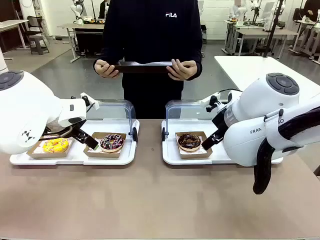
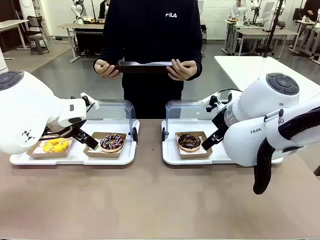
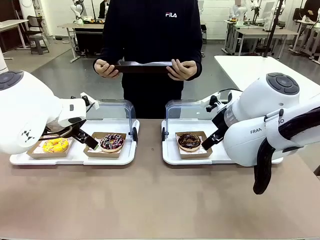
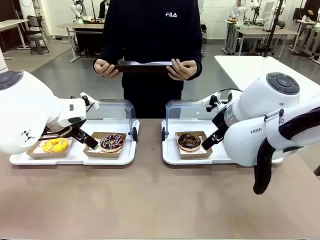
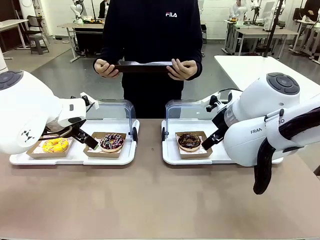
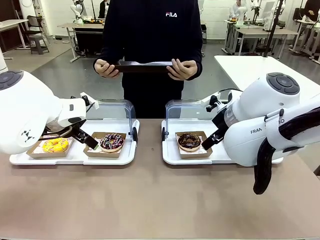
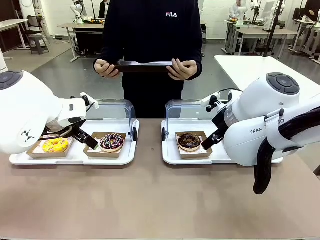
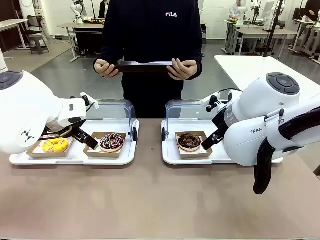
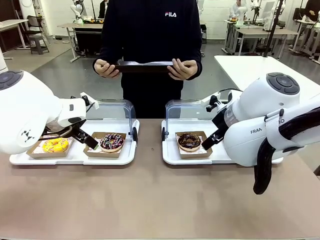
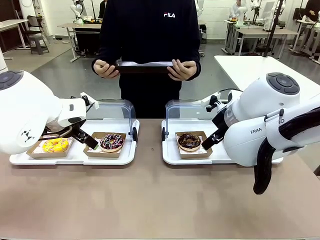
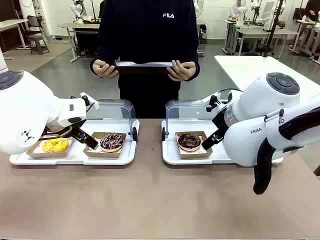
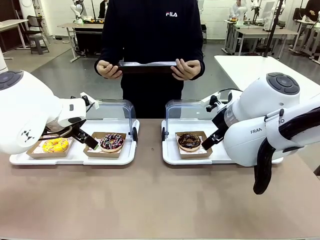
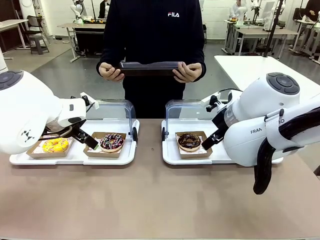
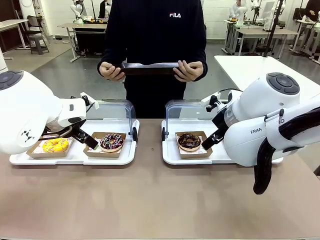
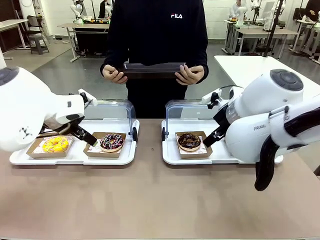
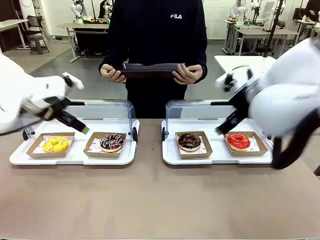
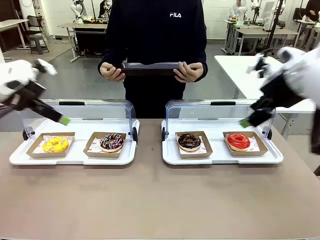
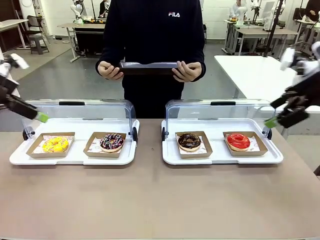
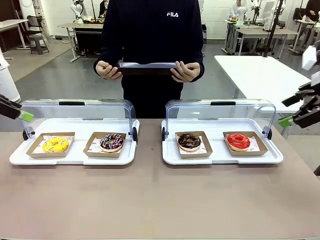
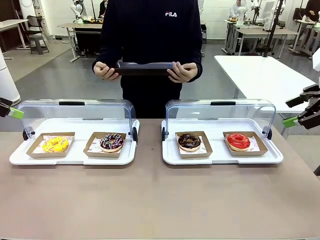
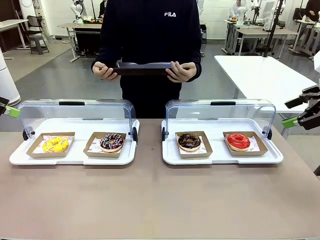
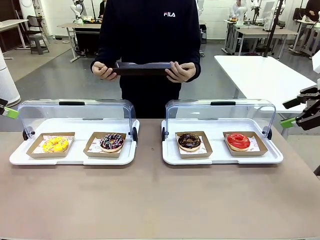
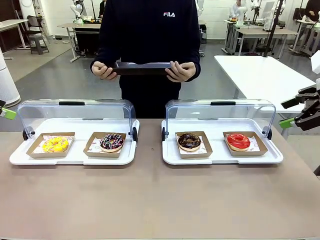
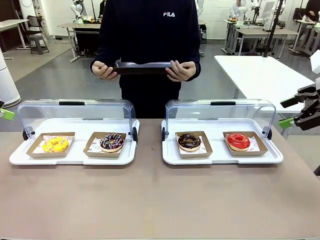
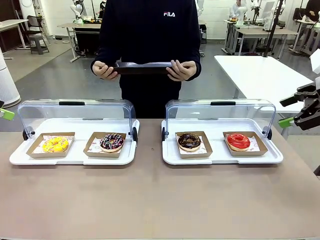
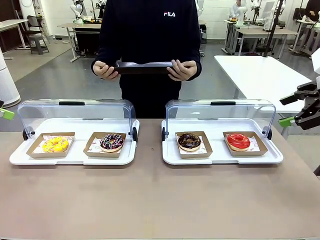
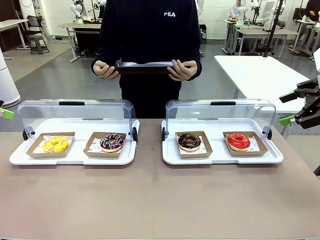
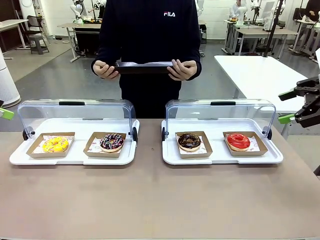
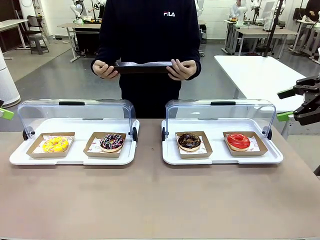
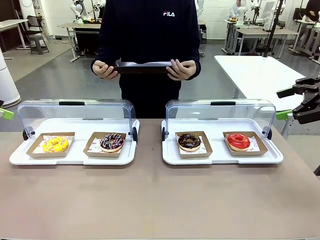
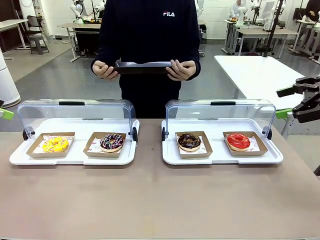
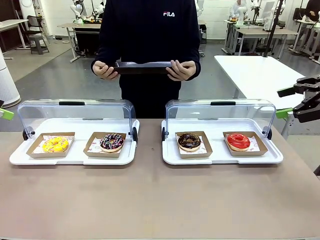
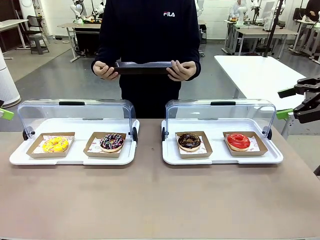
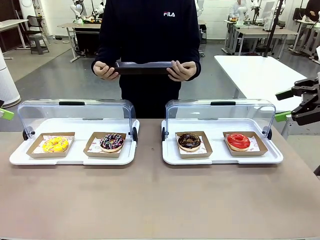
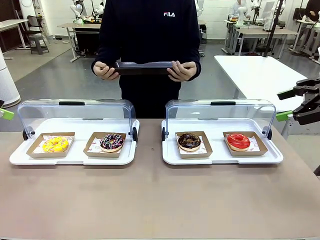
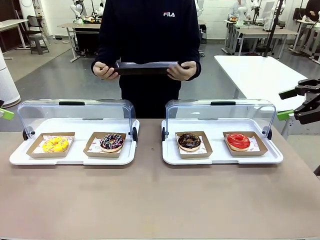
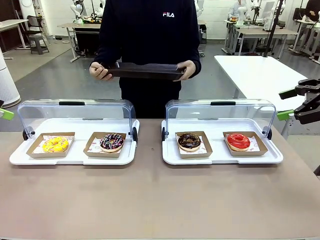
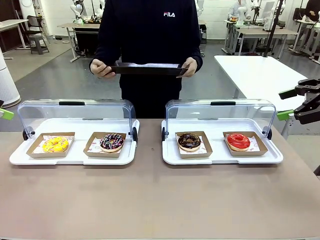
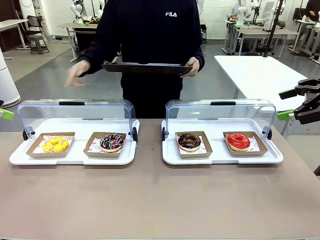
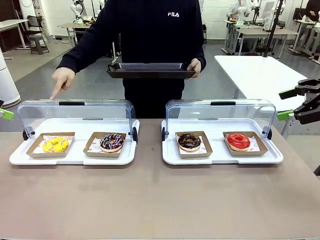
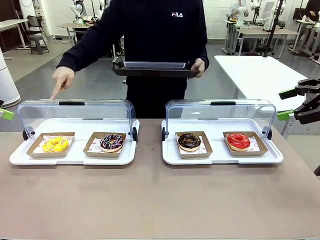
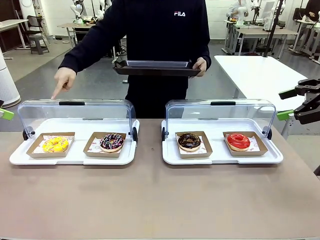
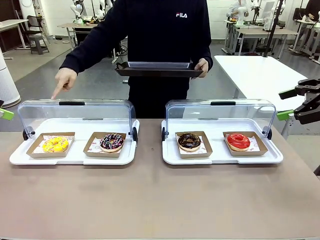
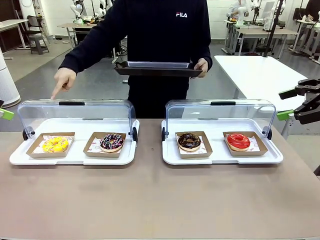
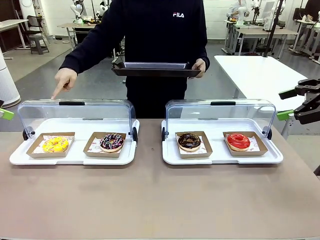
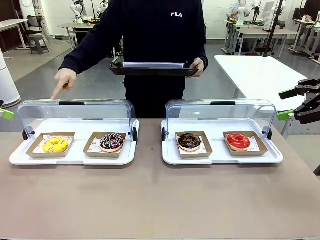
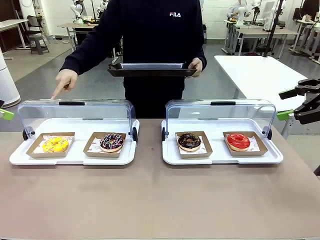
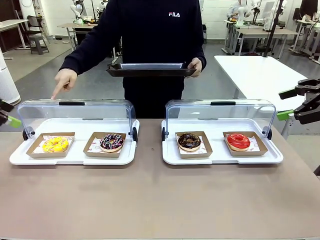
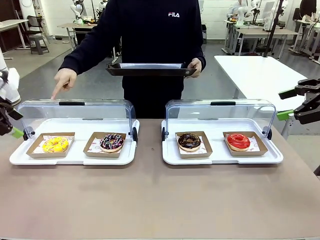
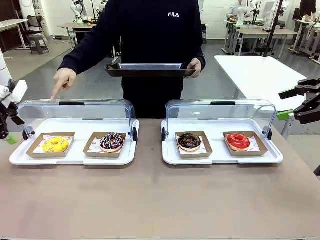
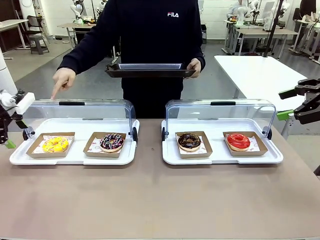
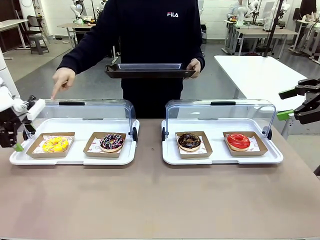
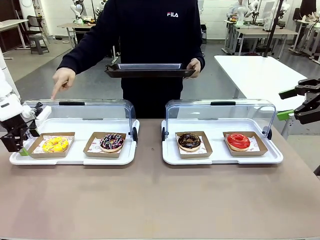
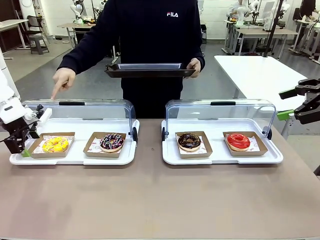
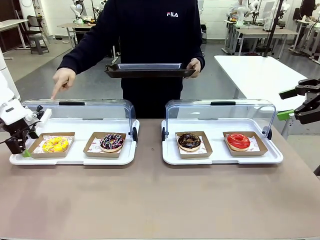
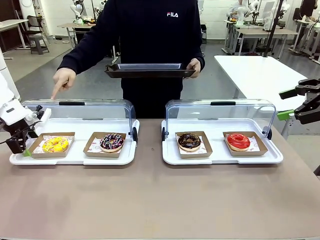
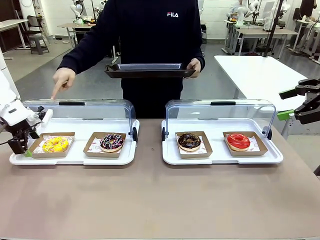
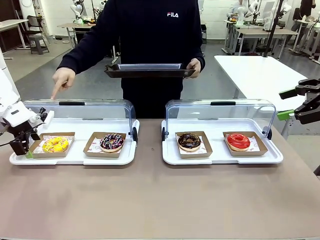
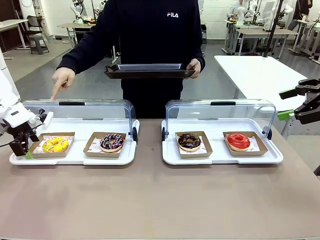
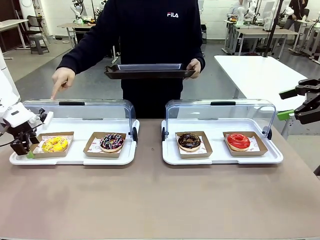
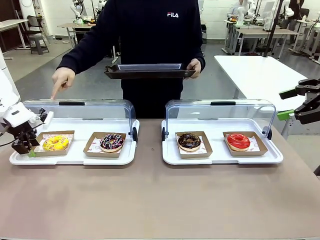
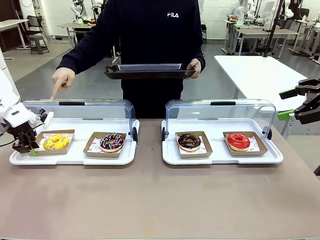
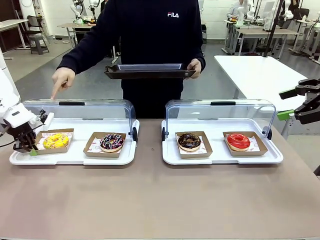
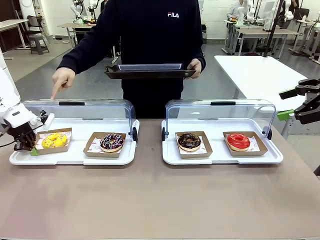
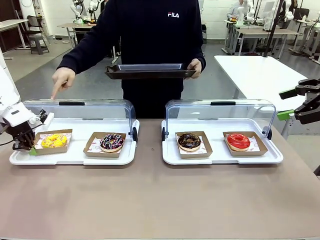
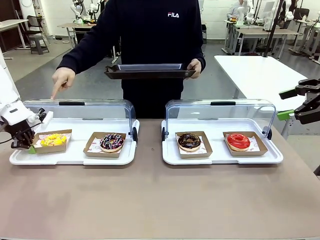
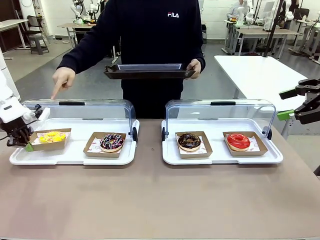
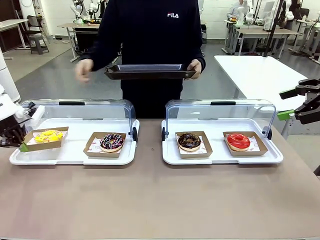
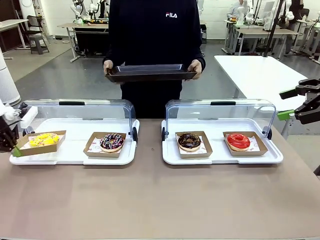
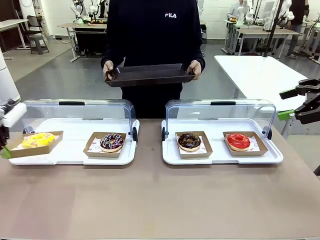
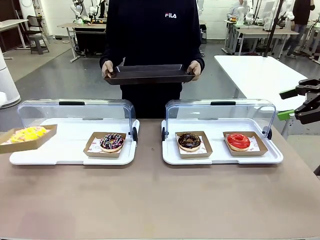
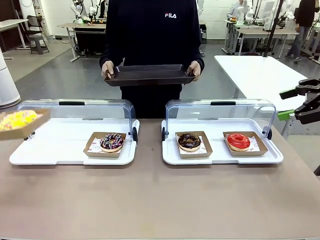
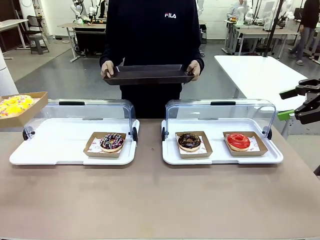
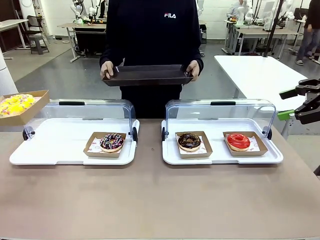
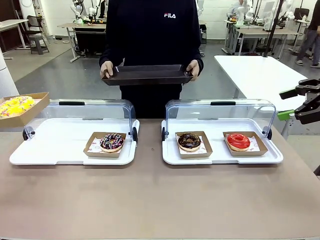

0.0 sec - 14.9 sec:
Task: Provide the desired donut to the person.
Robot: Pick up and lift the Paper togo box containing the Donut pointed at by the person.
Person: Point to one donut. Lift the tray onto the Roll-Top Bakery Case.

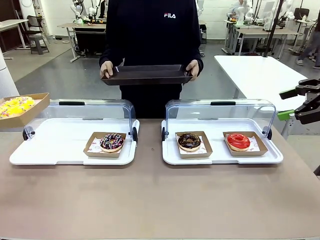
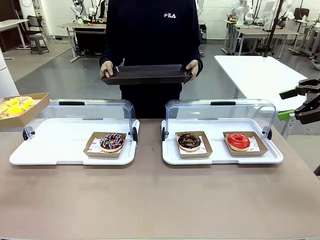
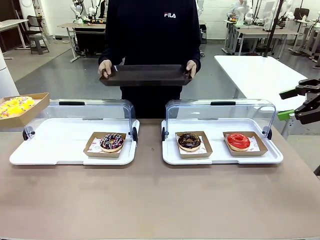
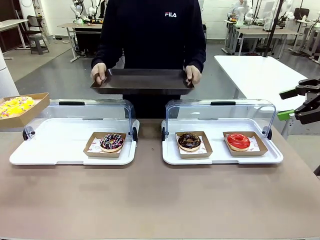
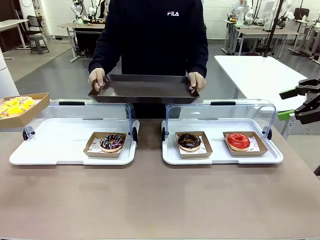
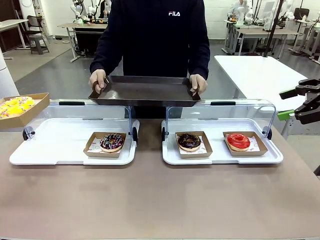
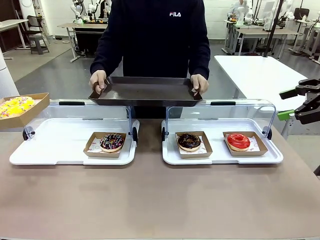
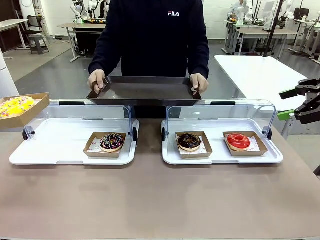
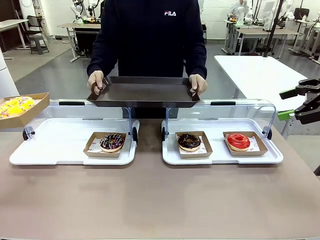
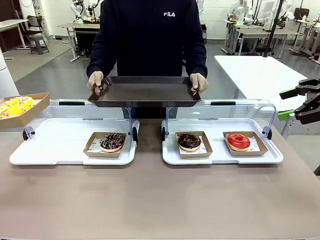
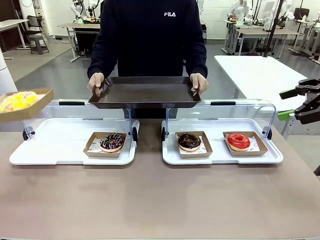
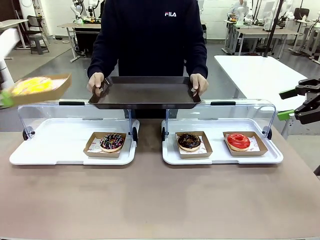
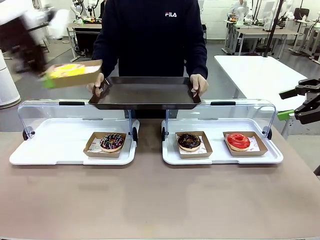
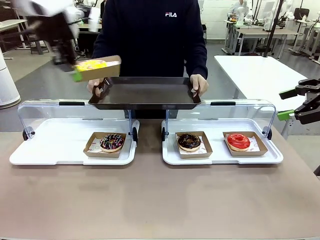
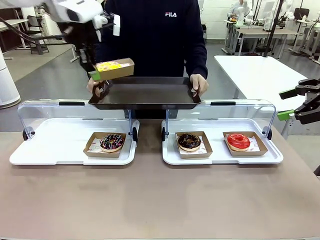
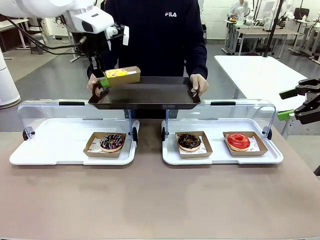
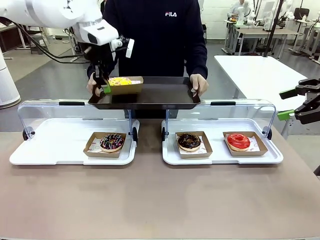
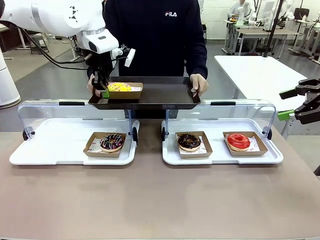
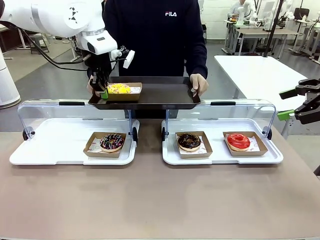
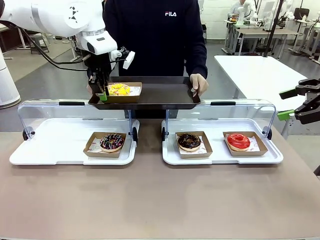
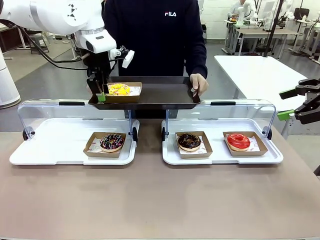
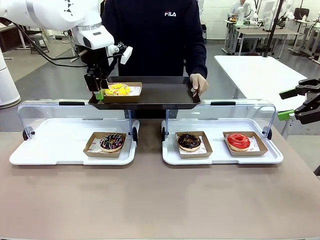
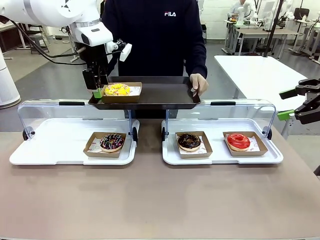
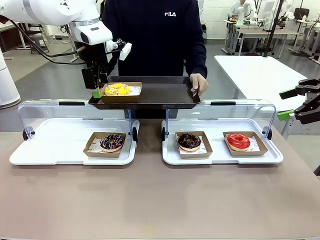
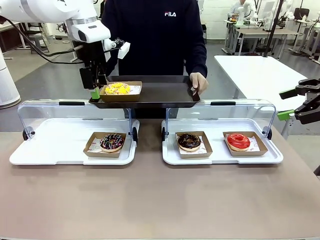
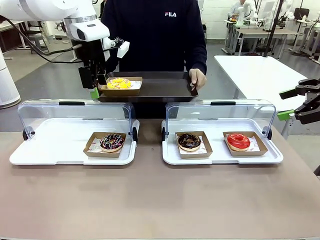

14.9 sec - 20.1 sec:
Robot: Place the picked Paper togo box onto the Handle tray extended by the person.
